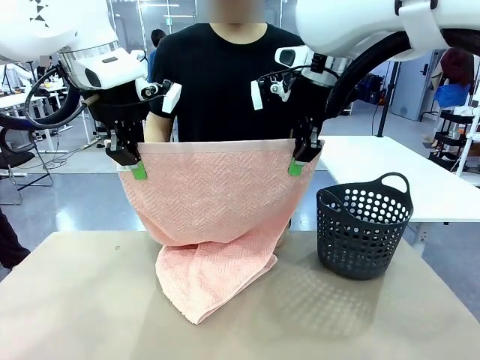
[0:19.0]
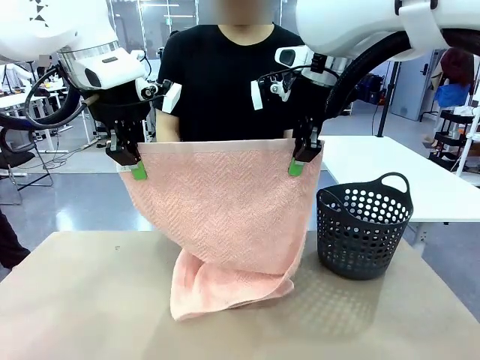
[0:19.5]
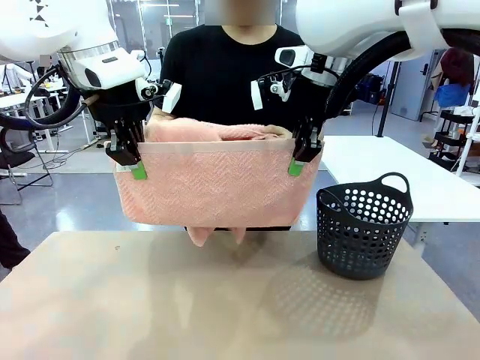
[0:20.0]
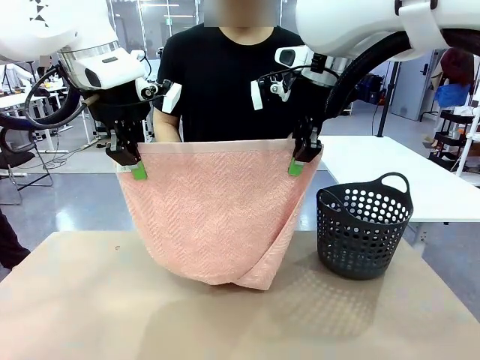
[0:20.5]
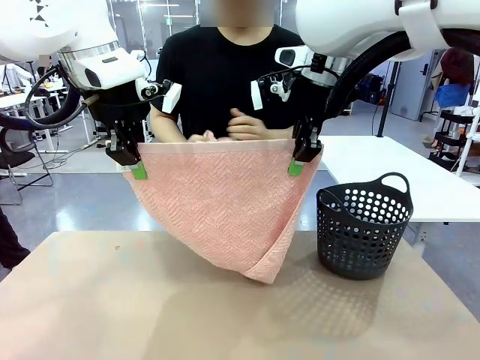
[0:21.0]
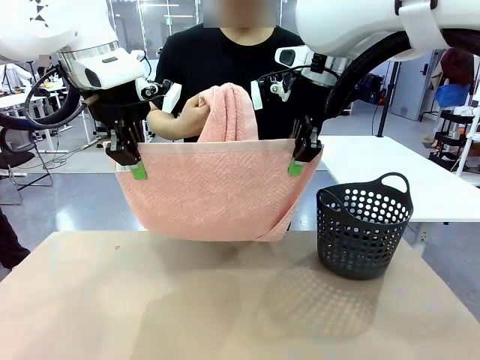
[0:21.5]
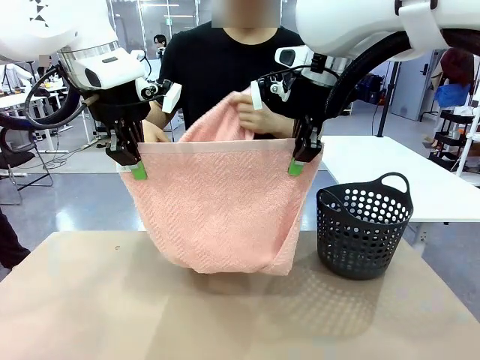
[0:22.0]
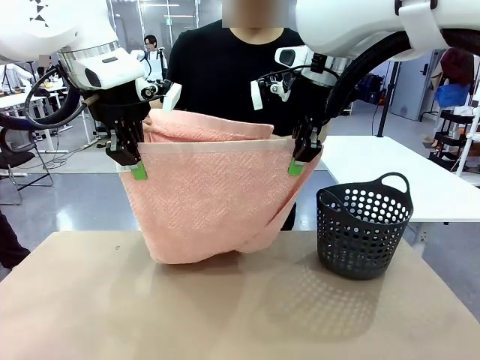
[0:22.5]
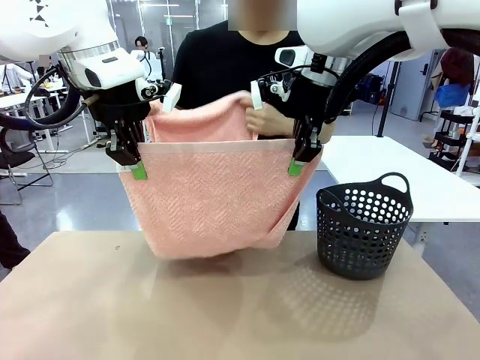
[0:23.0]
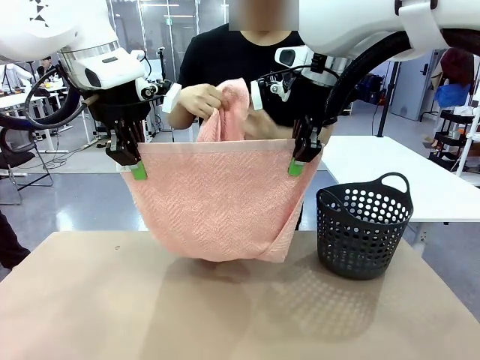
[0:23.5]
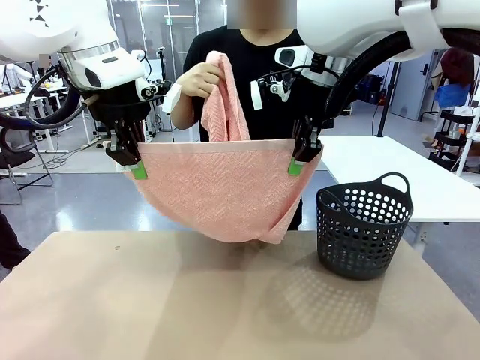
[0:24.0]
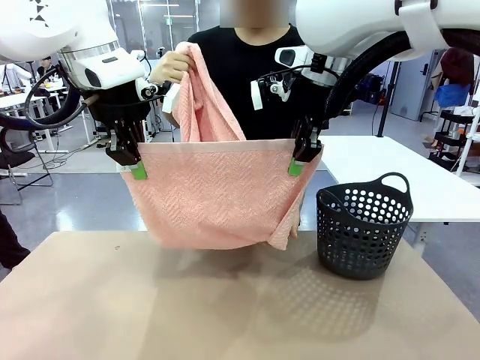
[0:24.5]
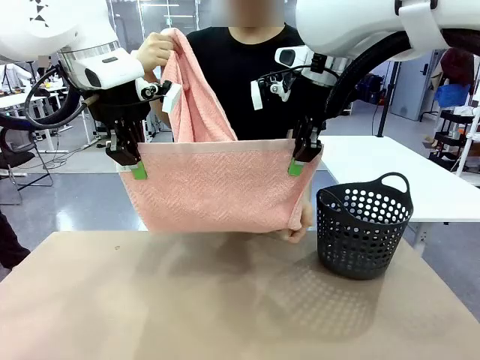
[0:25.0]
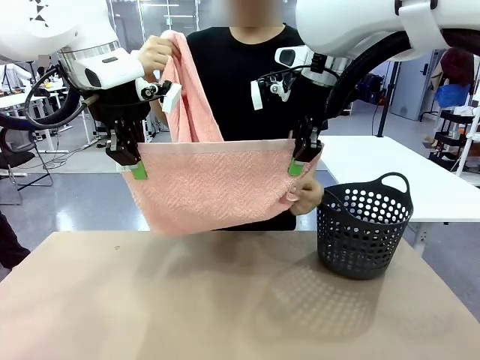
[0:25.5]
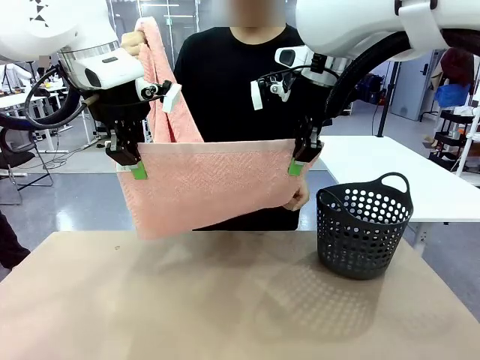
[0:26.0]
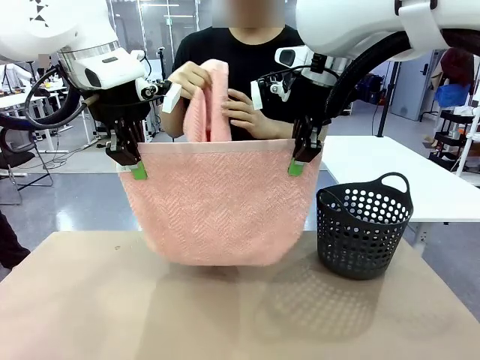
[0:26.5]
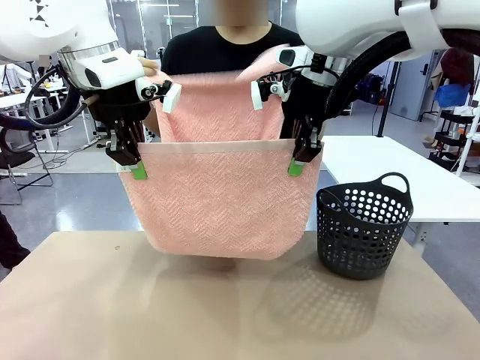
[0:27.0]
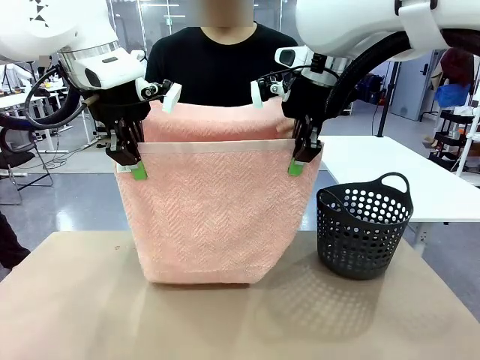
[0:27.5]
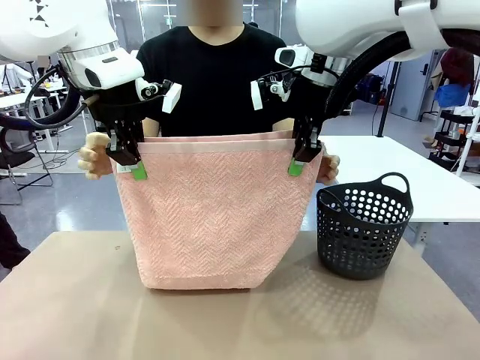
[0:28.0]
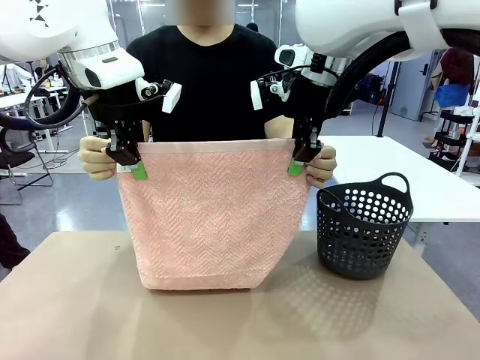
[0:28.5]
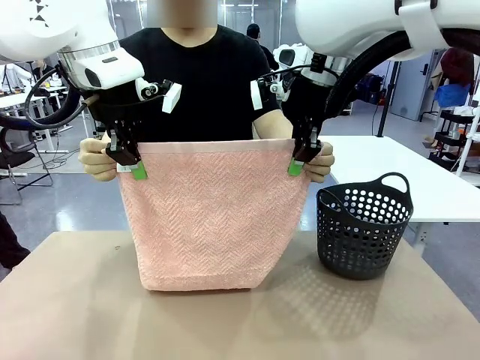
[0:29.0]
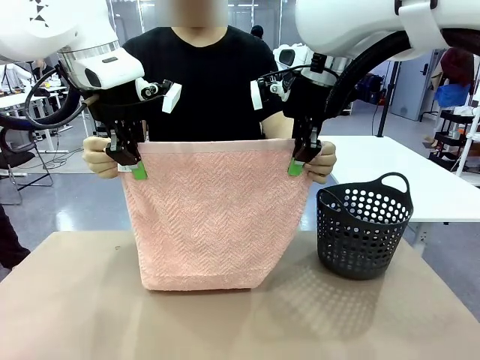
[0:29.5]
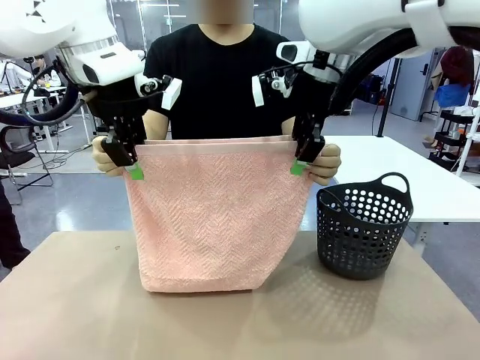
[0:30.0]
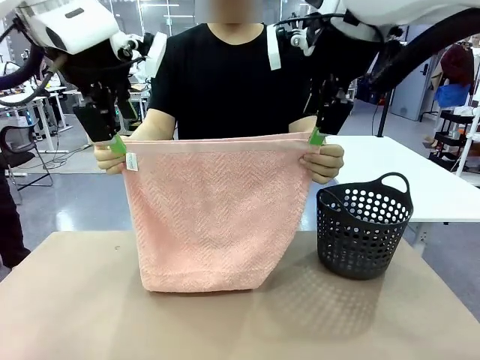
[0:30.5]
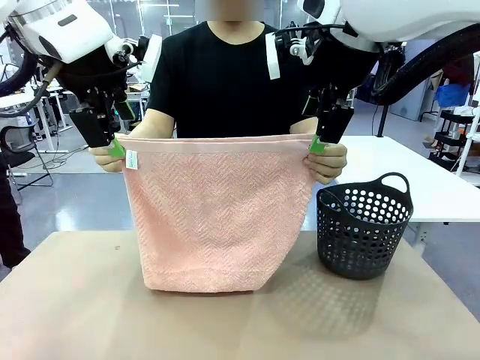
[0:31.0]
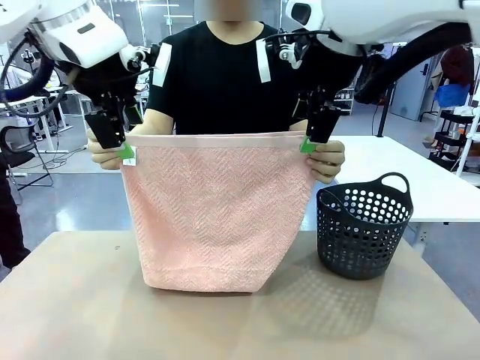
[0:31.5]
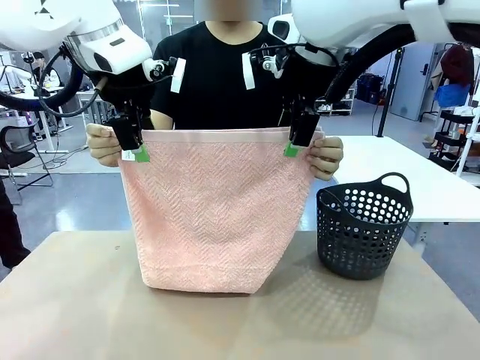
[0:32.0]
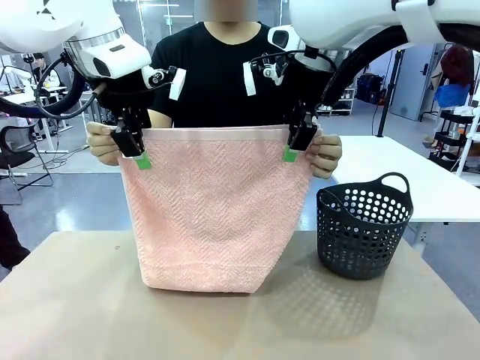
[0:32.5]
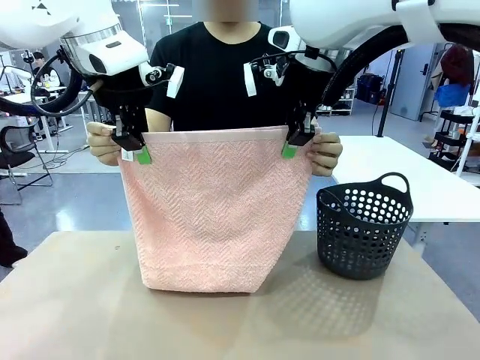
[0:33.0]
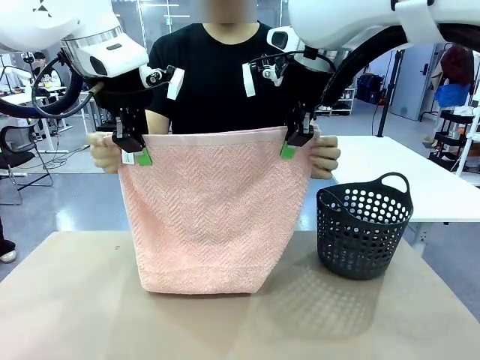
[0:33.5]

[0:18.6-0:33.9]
Task: Fold the towel.
Robot: Release the end of the 100 cm Hotel Towel you were holding and grab the top end of the folded side.
Person: Using the point held by the robot as a reference, grasp the opposite end, fold the towel in half, and then hold both ends of the folded towel.

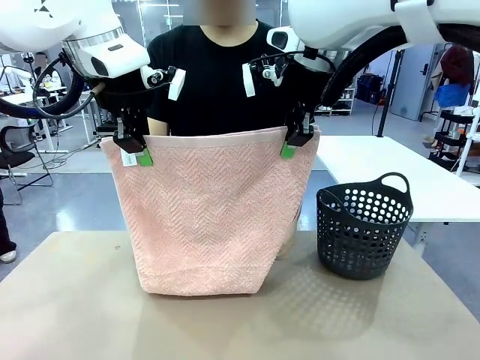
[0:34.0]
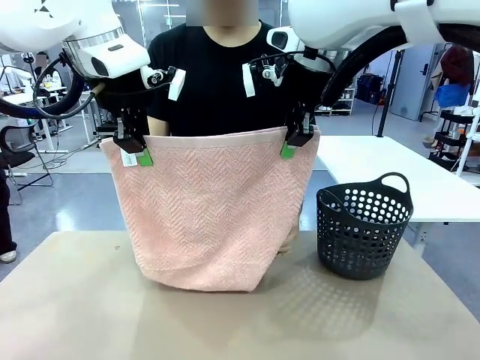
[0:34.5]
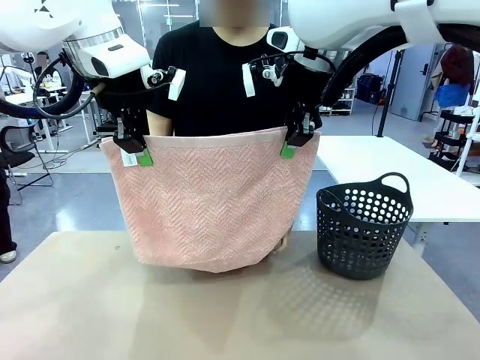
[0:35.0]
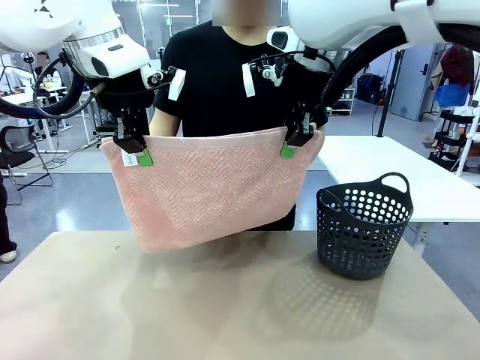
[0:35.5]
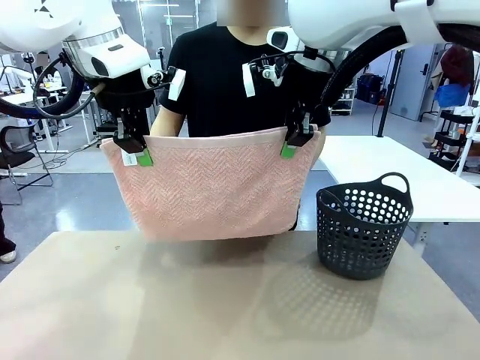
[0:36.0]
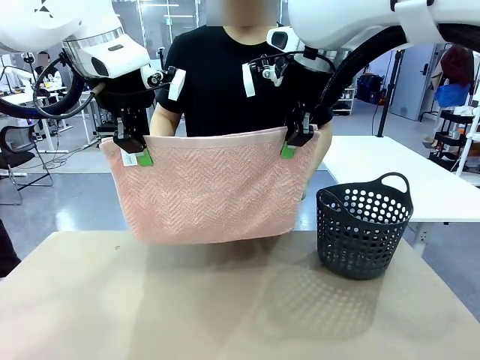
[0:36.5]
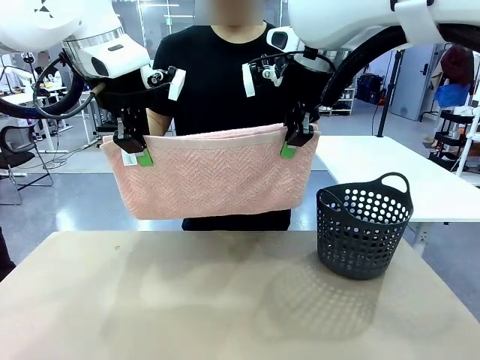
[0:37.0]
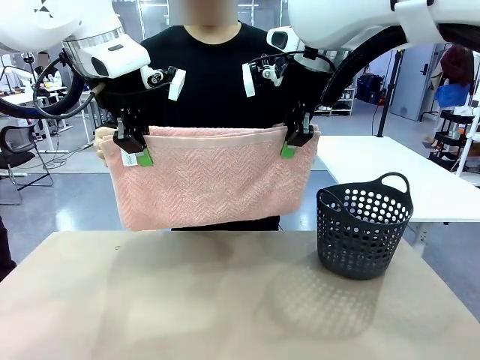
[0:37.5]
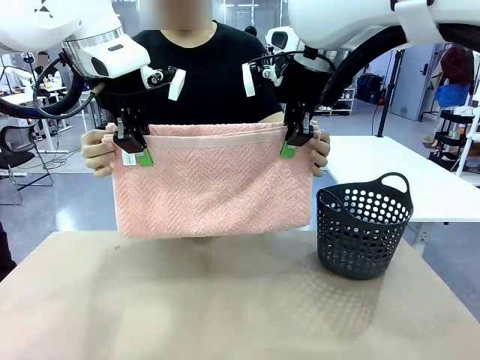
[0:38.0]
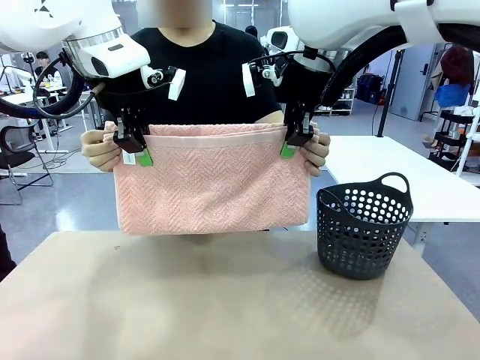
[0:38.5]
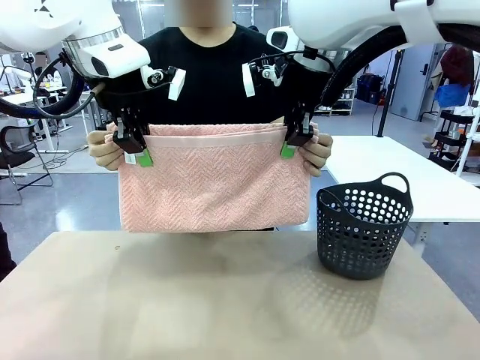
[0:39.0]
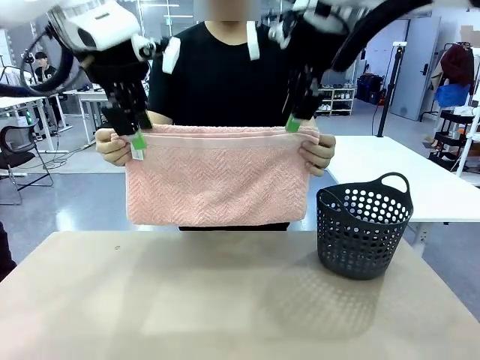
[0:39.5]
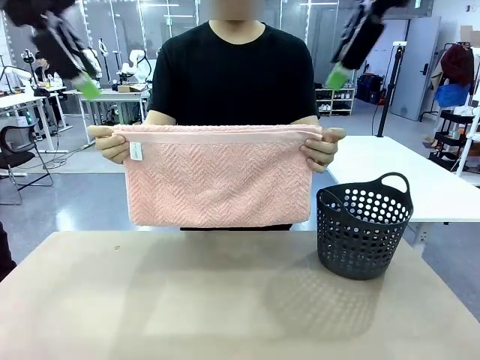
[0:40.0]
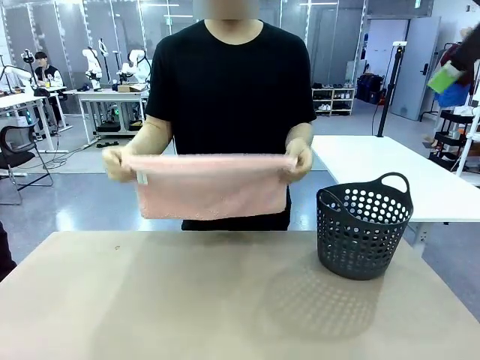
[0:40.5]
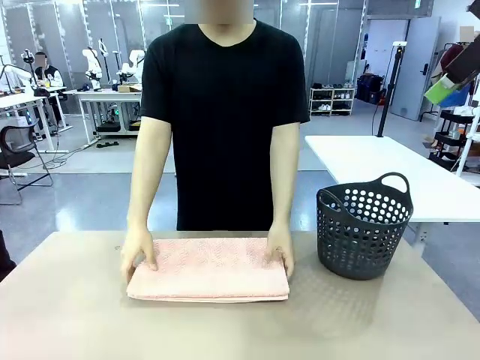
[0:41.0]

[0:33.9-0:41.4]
Robot: Release the end of the 100 cm Hotel Towel you were holding.
